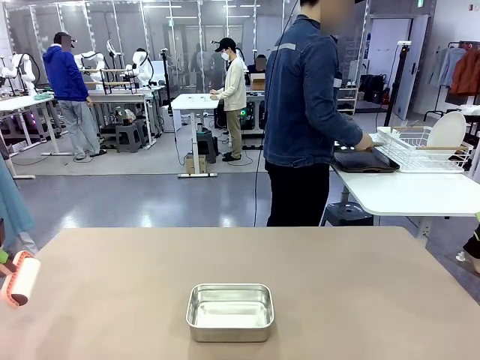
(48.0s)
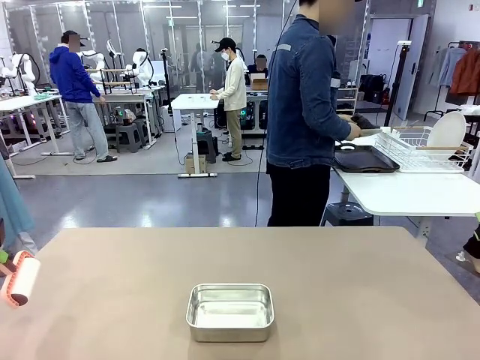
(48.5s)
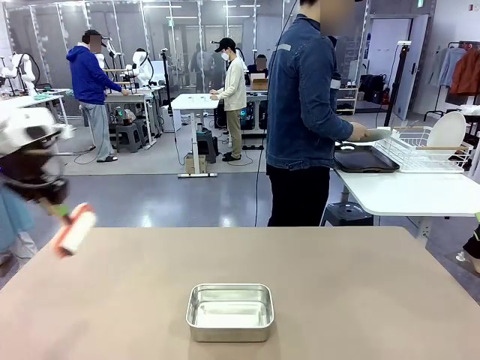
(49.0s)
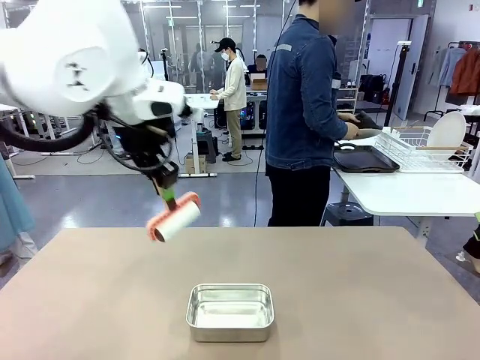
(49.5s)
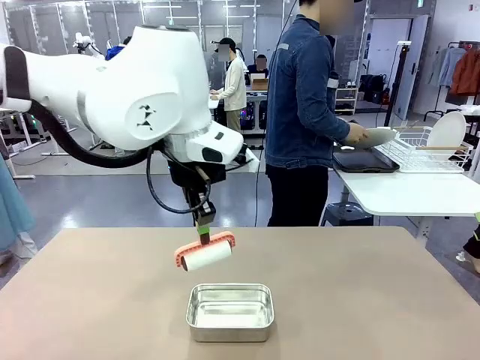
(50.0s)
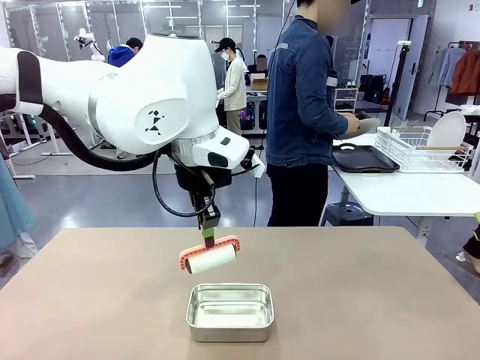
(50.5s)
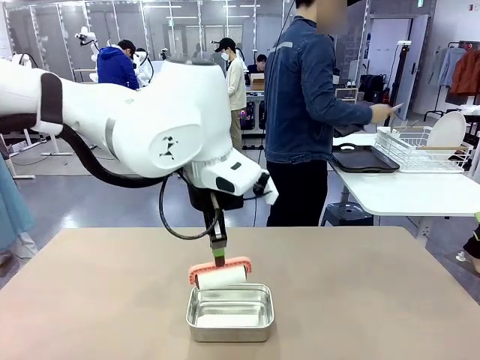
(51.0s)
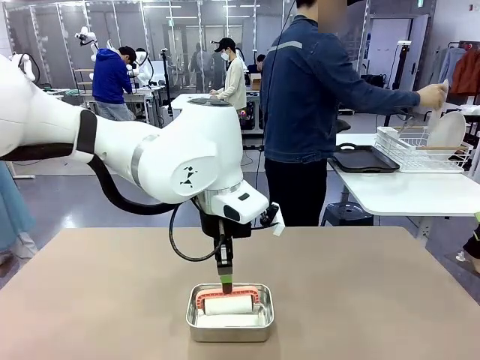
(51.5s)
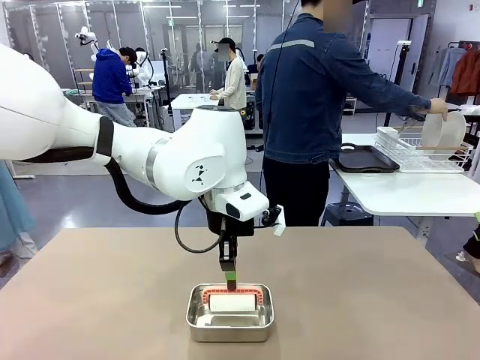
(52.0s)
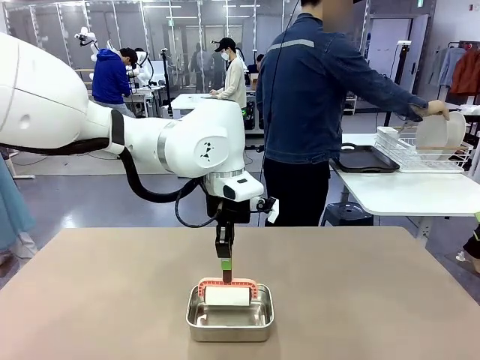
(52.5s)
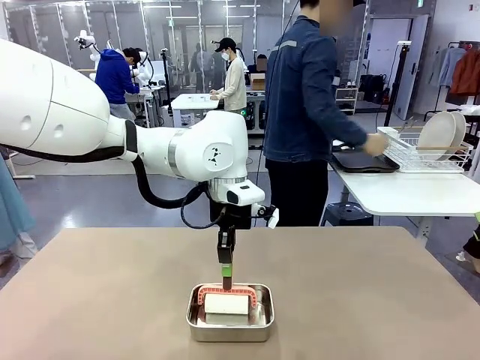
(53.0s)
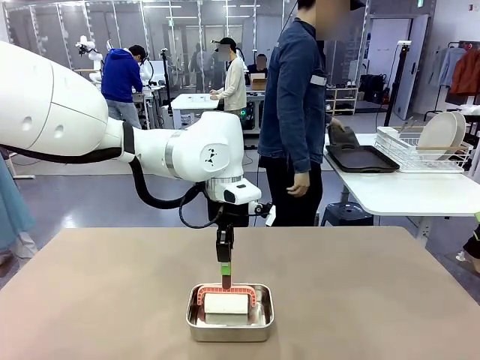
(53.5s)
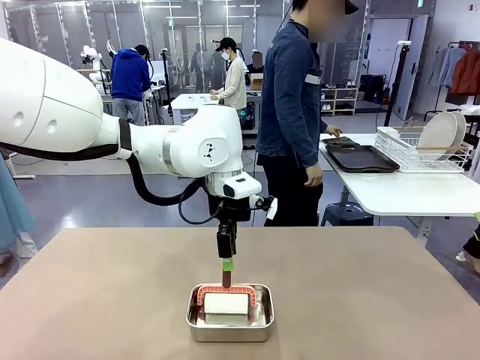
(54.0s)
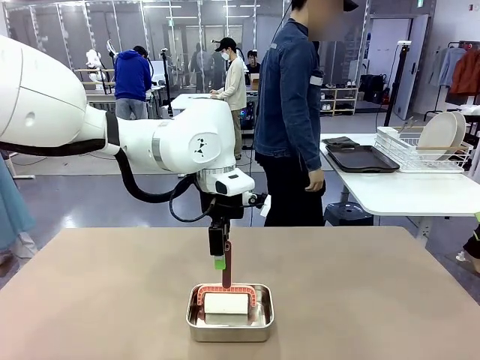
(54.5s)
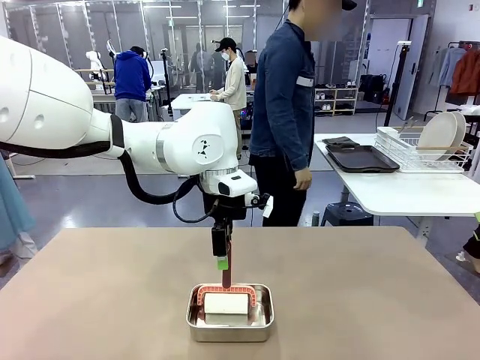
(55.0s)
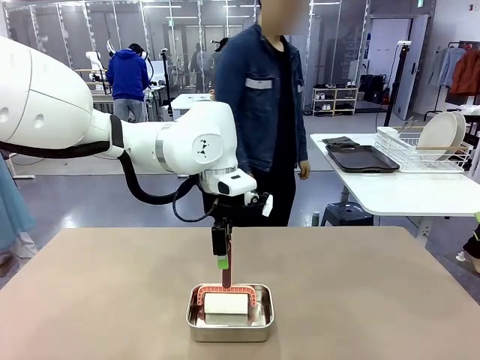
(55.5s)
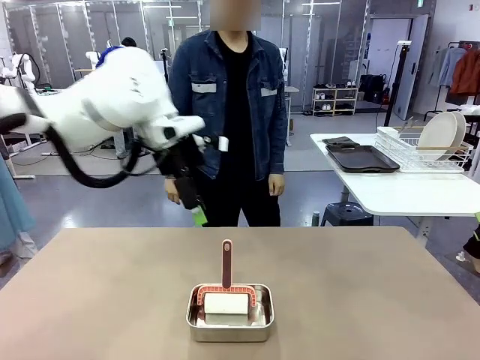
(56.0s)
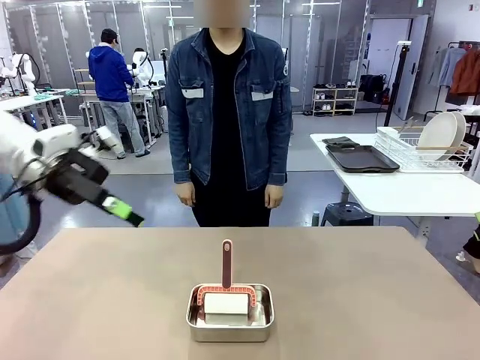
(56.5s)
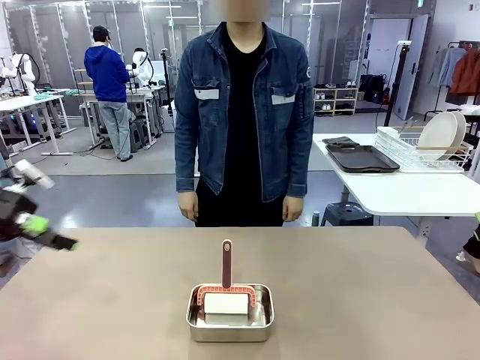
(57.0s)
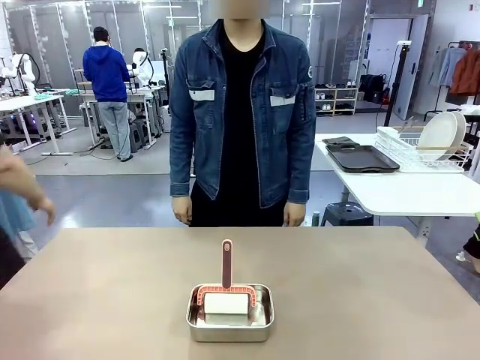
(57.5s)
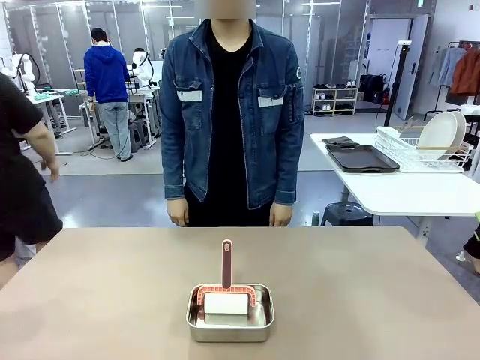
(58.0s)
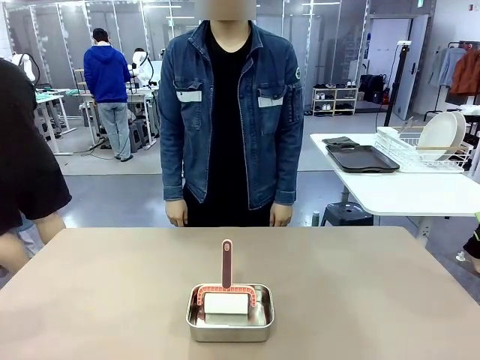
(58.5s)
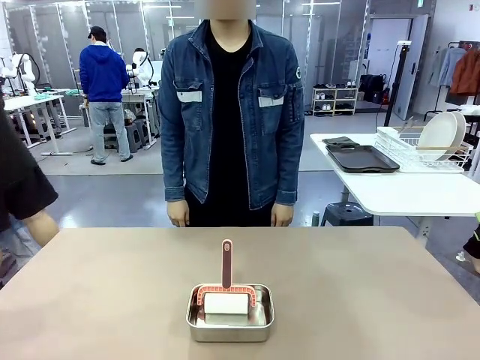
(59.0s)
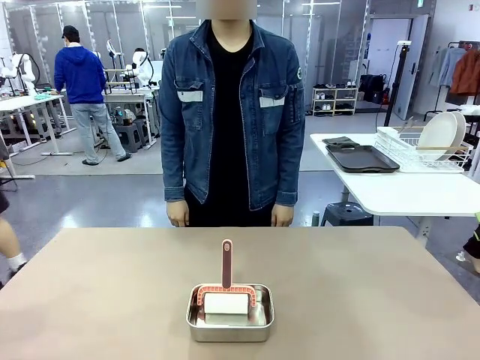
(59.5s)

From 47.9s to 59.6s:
Robot: Place the Lint Roller back on top of the Airtight Container.
Person: Use the Towel with hook to wipe the Plastic Matte Plate , Fork , and Knife and place into the Dish drying rack.
